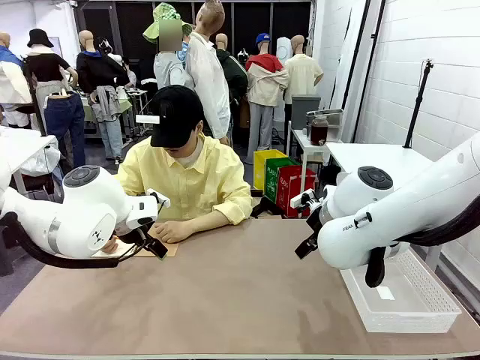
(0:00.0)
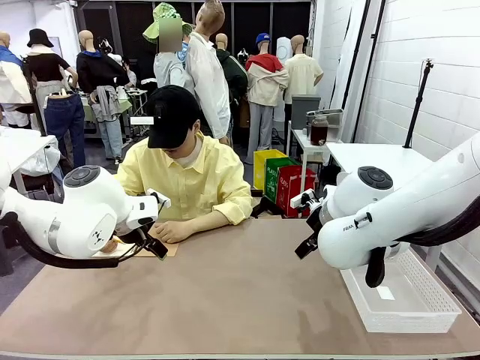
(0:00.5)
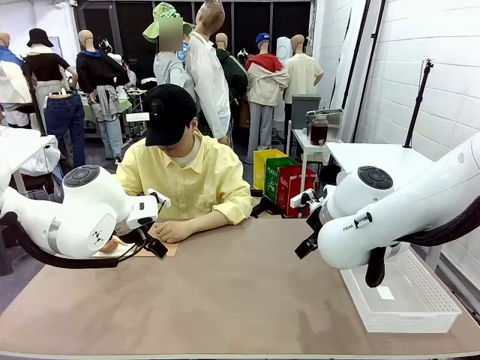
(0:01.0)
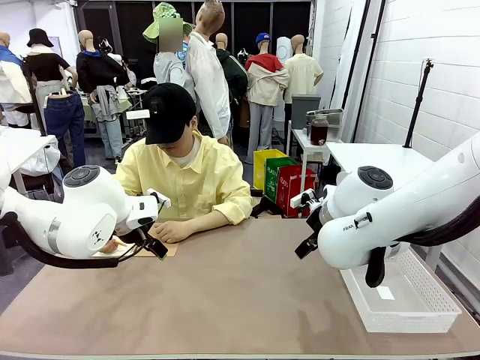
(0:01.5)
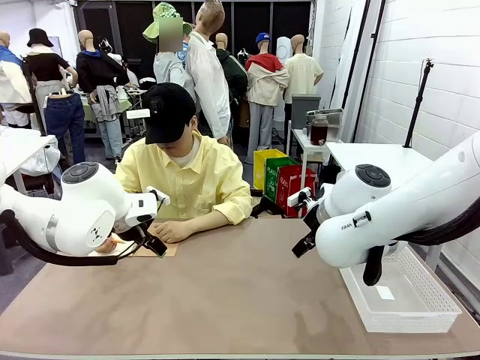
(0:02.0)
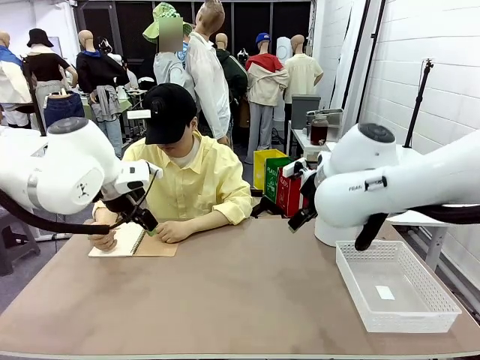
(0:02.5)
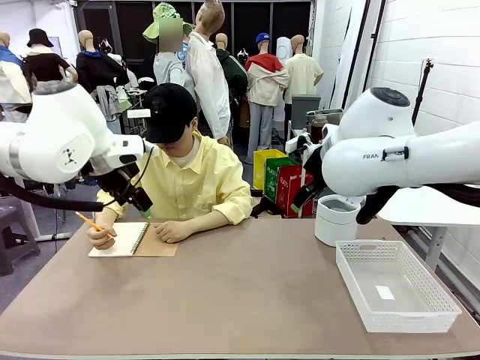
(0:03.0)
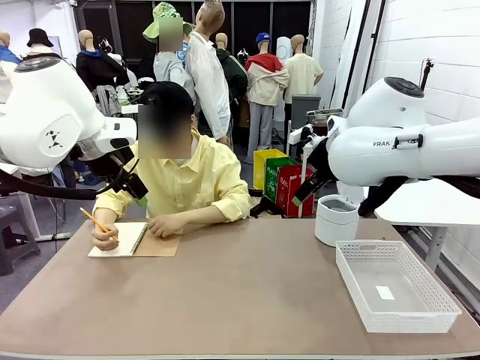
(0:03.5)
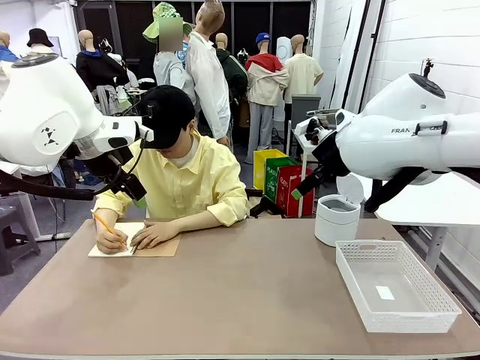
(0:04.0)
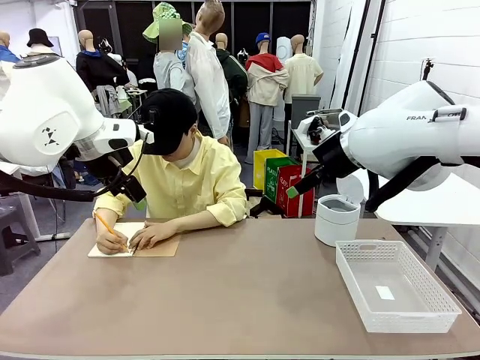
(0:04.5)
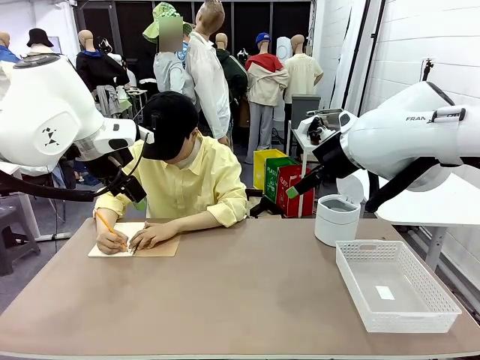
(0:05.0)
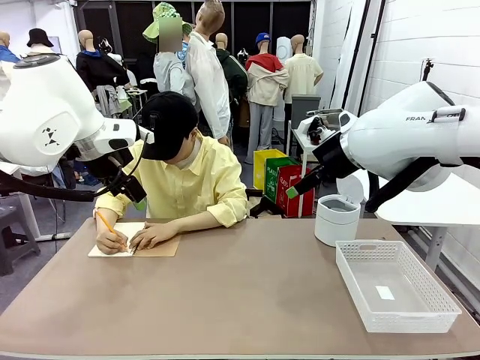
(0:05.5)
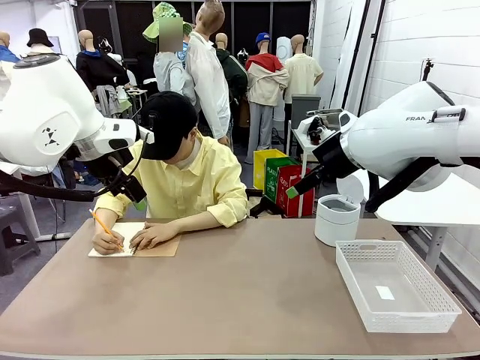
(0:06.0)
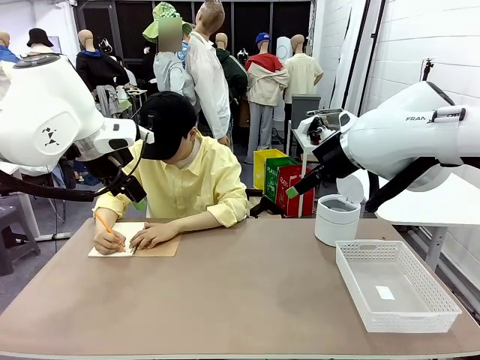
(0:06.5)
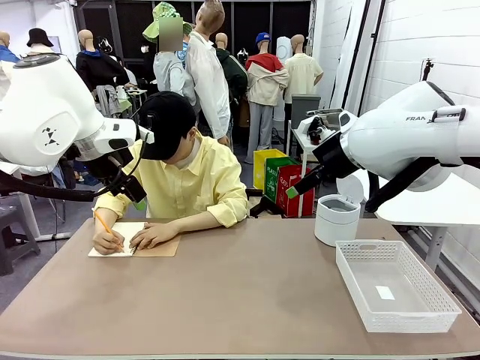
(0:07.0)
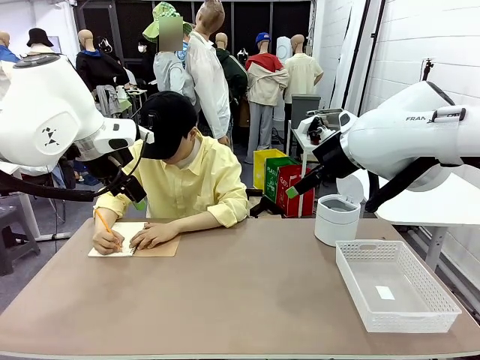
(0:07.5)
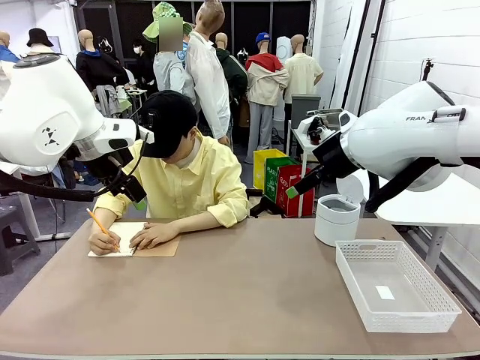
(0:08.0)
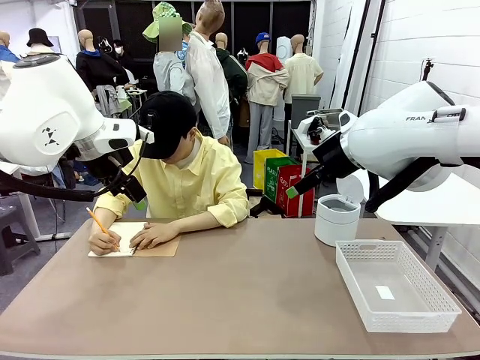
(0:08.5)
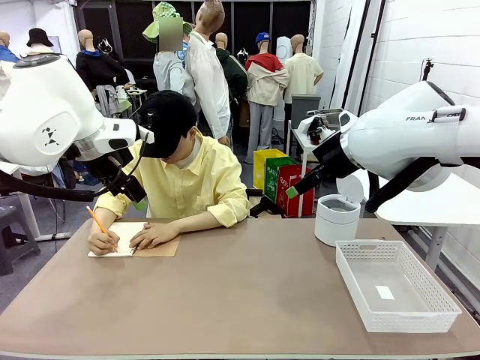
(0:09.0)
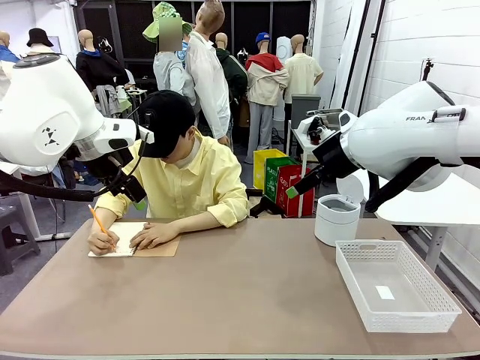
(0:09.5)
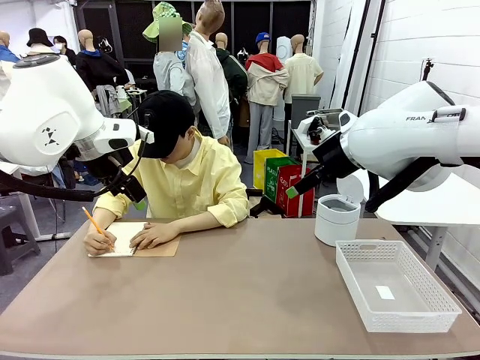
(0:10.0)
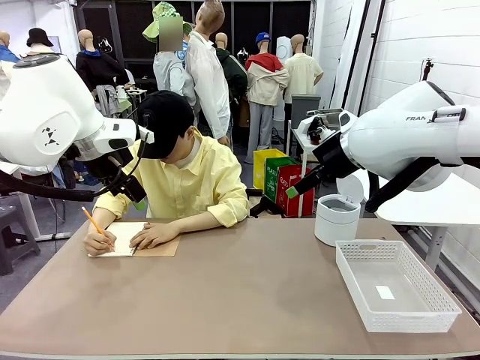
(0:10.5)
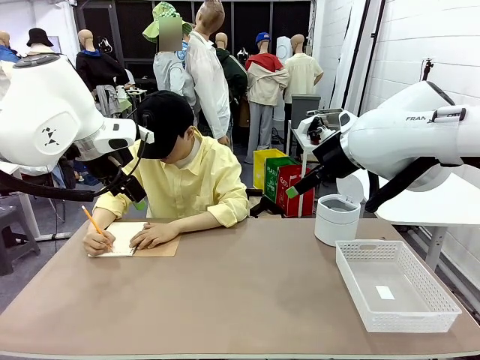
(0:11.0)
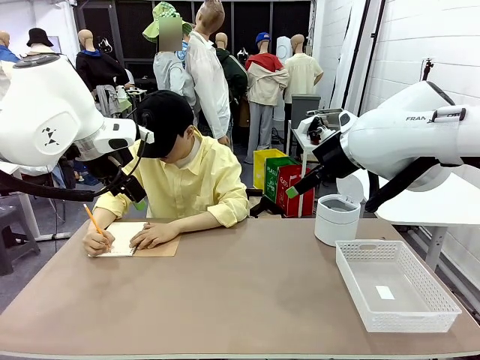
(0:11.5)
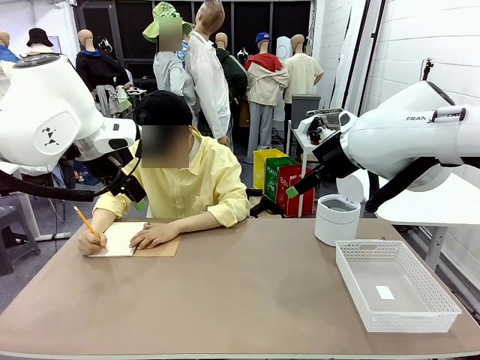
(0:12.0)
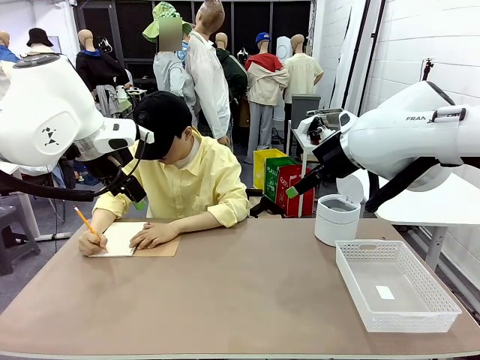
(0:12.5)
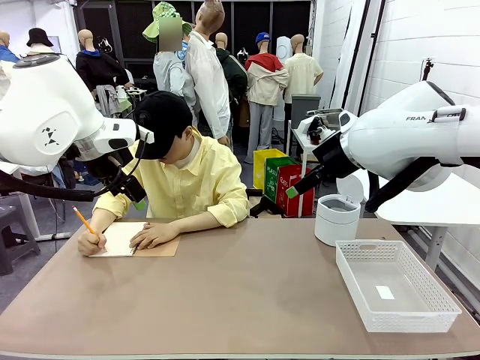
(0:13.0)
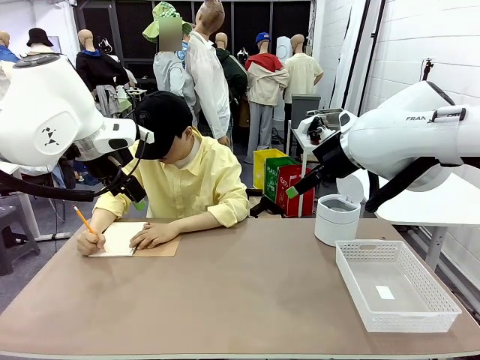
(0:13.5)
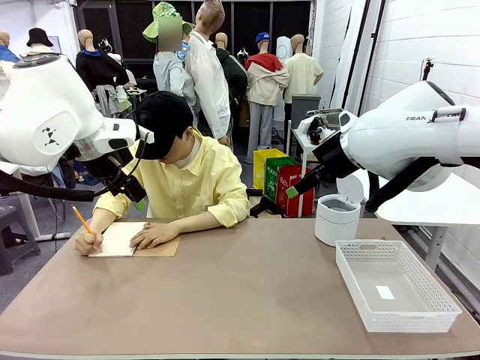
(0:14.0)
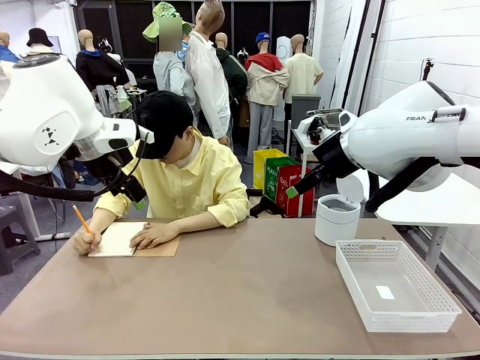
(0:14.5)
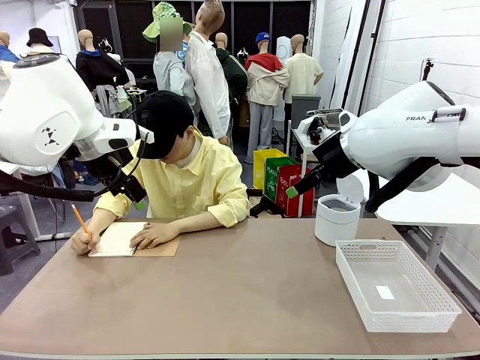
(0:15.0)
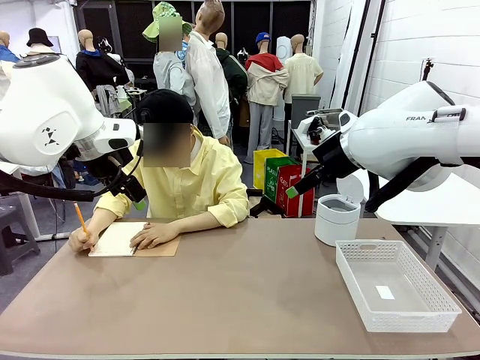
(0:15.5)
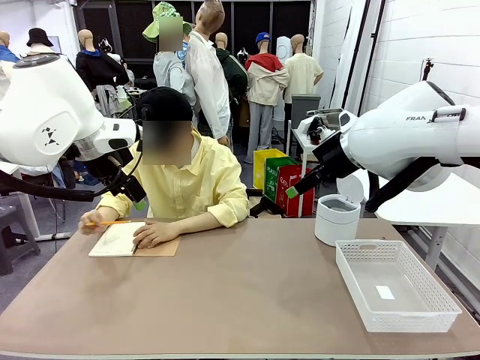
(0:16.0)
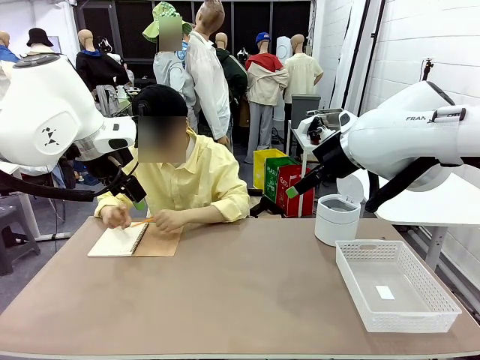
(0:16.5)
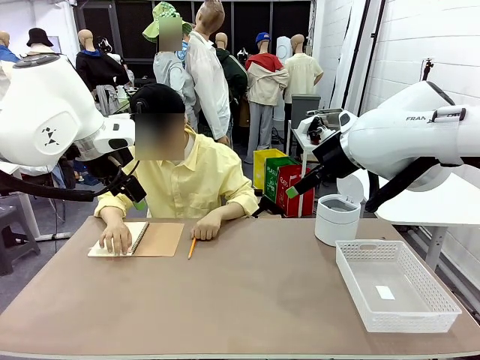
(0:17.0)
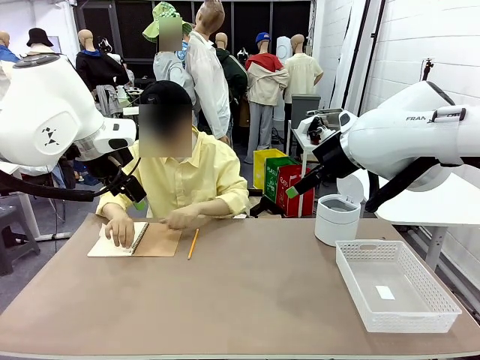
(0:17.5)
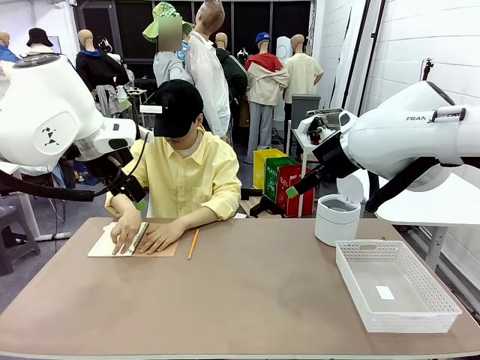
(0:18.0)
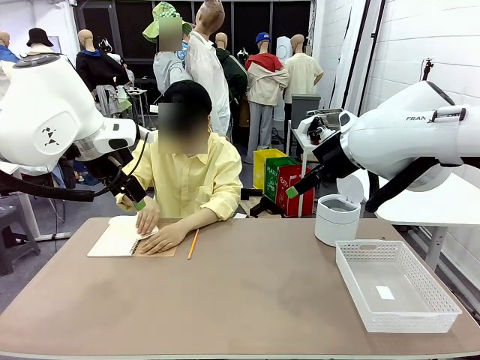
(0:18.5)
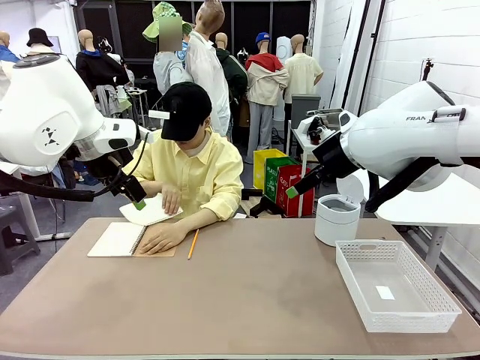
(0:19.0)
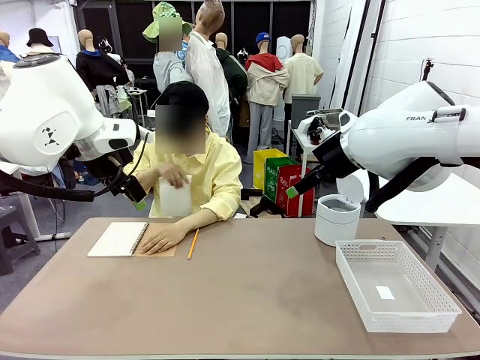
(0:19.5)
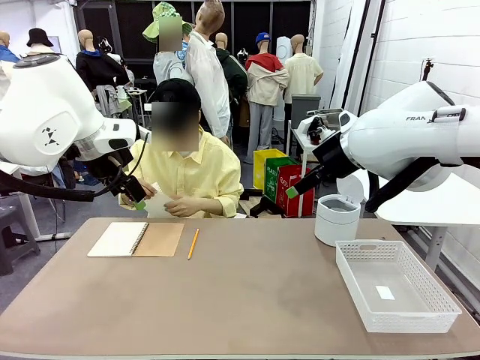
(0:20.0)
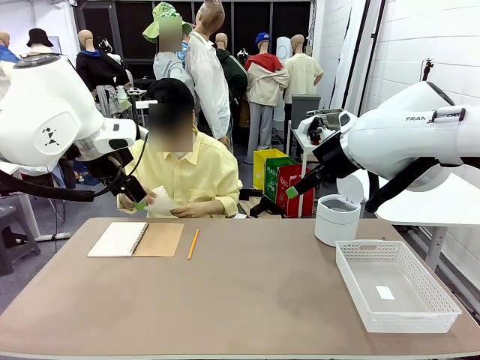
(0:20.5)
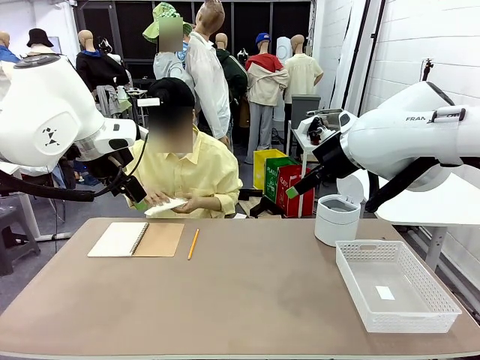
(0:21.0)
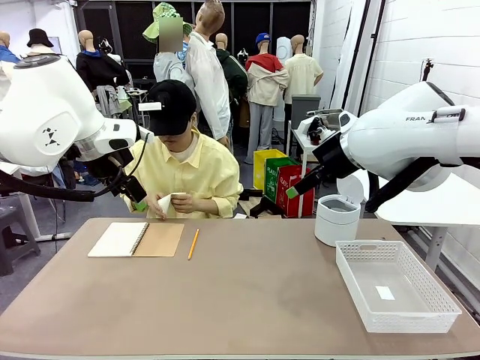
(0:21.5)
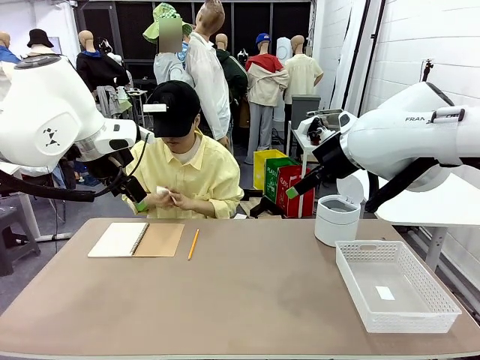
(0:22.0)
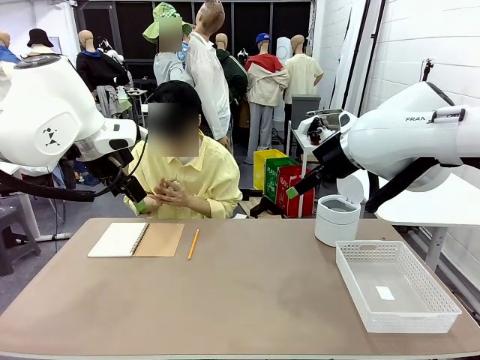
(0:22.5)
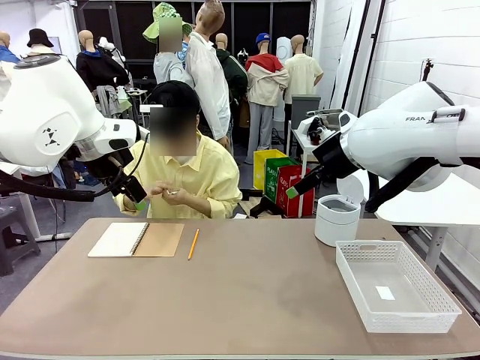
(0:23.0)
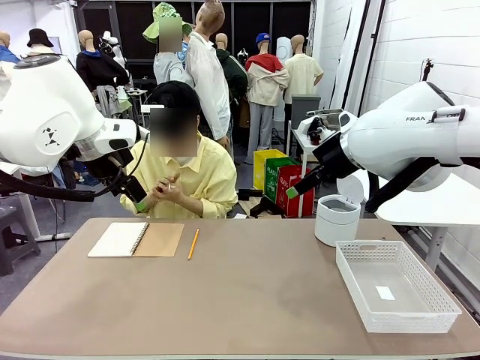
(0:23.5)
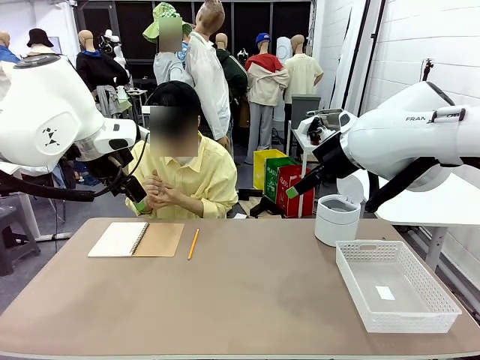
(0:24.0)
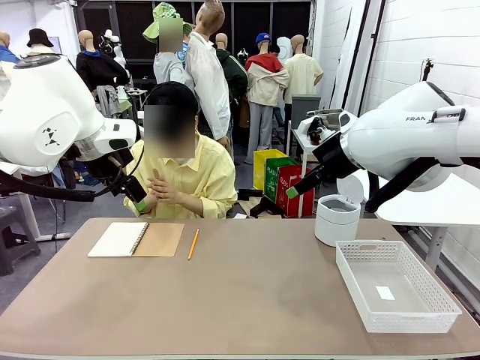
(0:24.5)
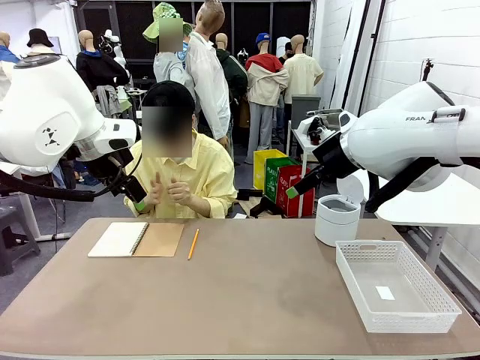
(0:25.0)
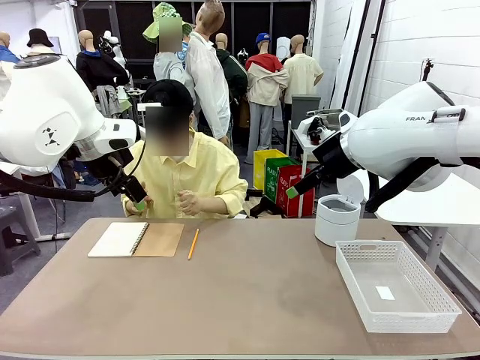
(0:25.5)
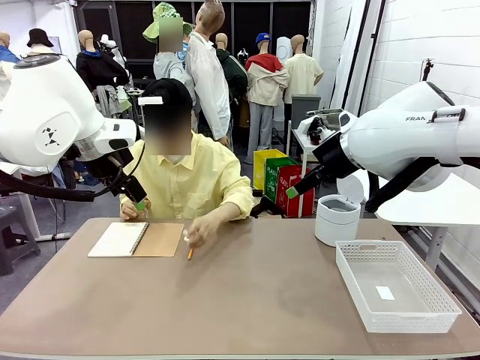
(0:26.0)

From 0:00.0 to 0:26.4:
Task: Sort the paper based on its condition.
Robot: If a person hands you a paper, place it in the Organizing basket , and if it's crumpled, put it in the Trash can.
Person: Tear out a page from the spiral notebook. Hand the torn page to the robot or crumple it and throw it to the center of the table.
